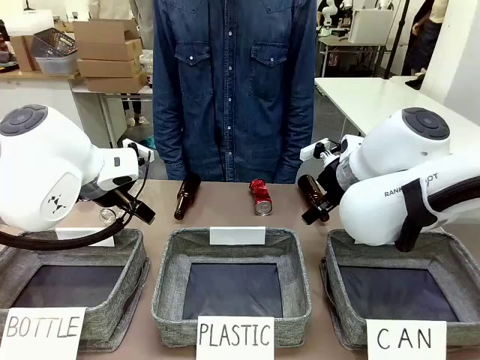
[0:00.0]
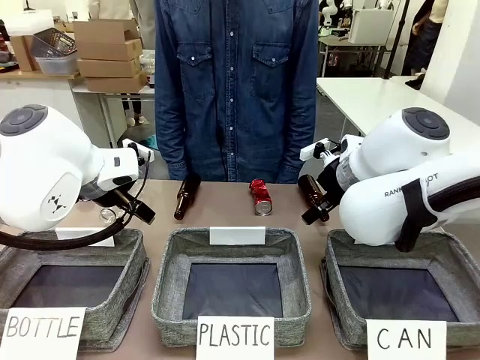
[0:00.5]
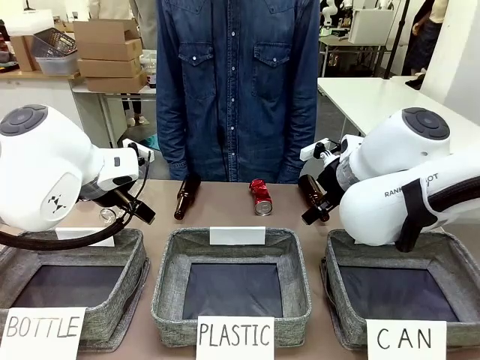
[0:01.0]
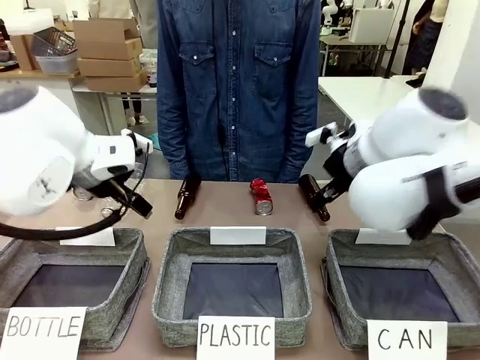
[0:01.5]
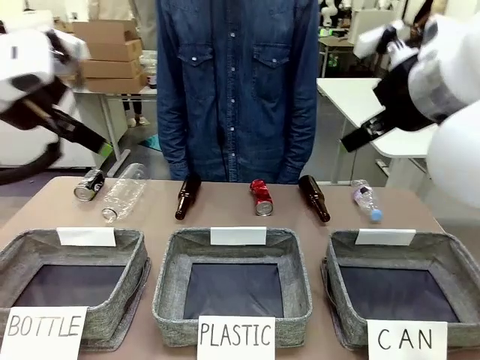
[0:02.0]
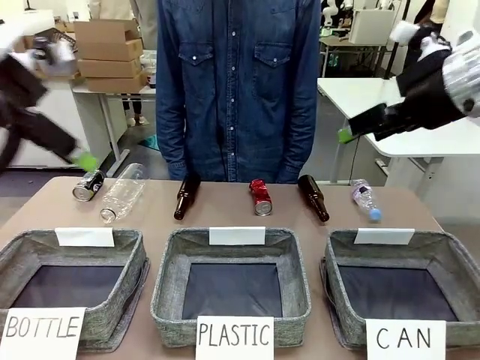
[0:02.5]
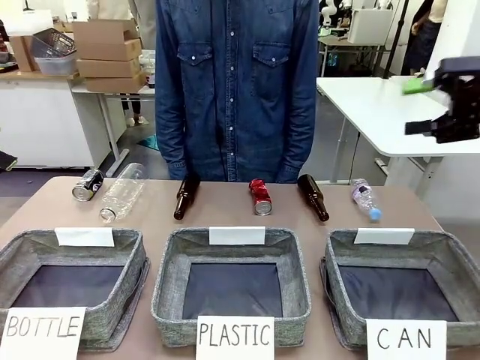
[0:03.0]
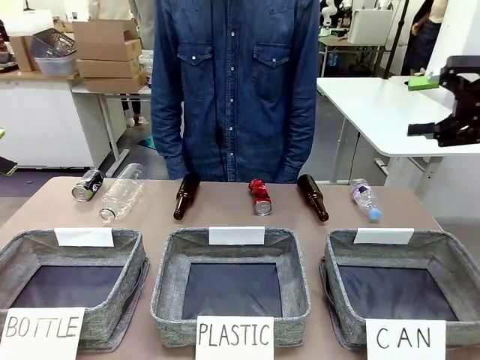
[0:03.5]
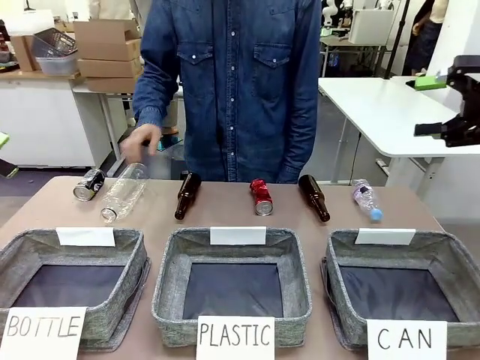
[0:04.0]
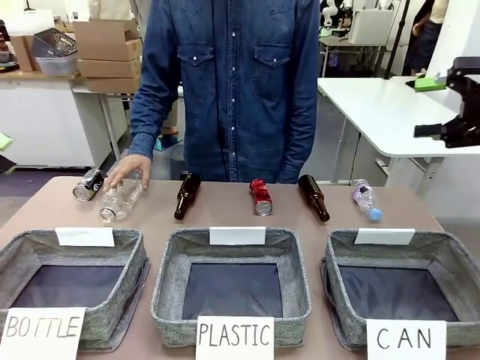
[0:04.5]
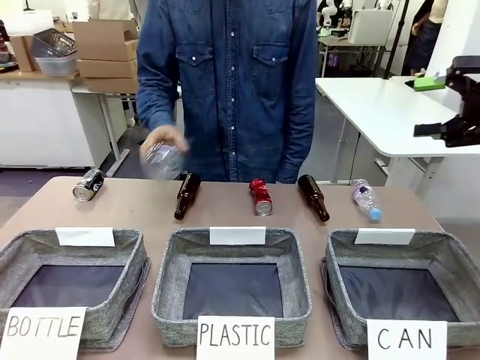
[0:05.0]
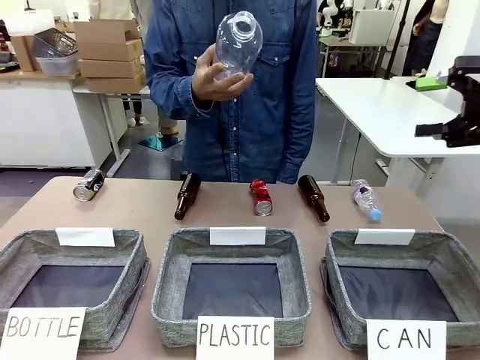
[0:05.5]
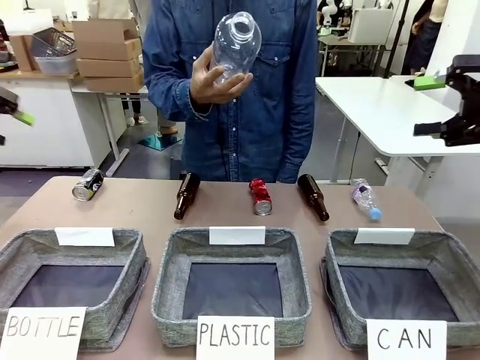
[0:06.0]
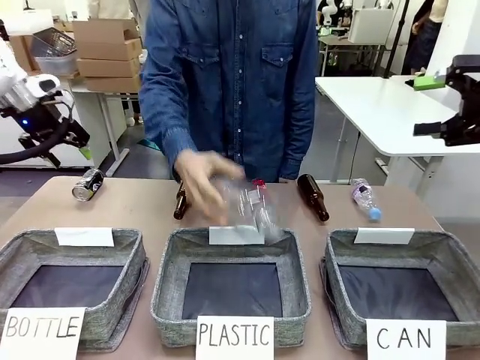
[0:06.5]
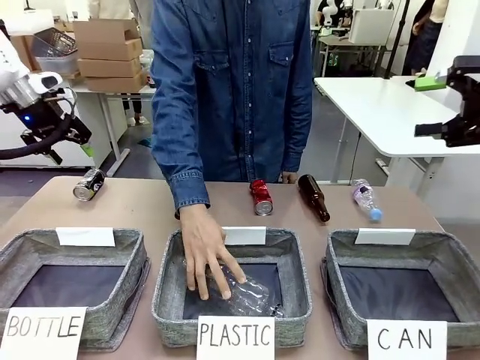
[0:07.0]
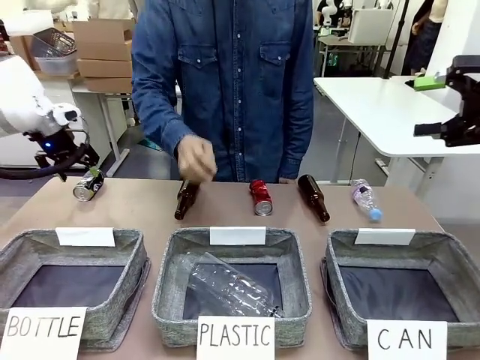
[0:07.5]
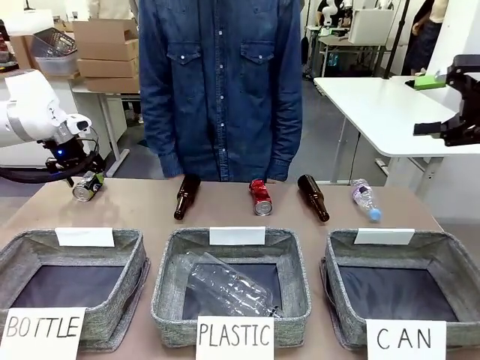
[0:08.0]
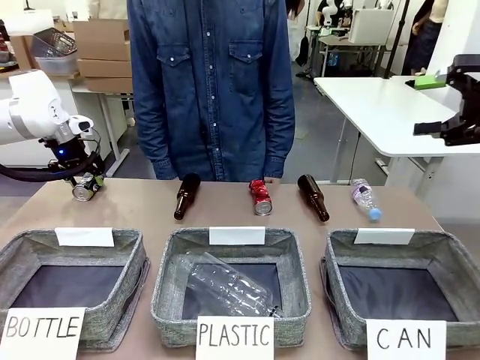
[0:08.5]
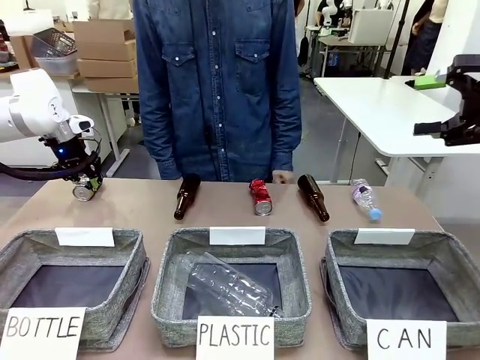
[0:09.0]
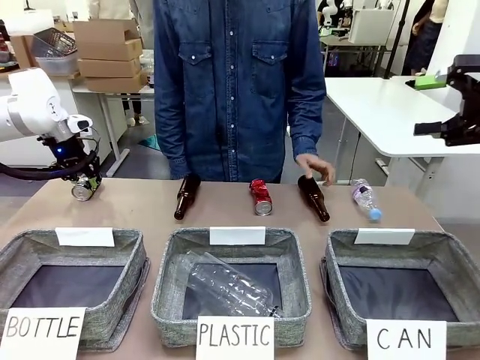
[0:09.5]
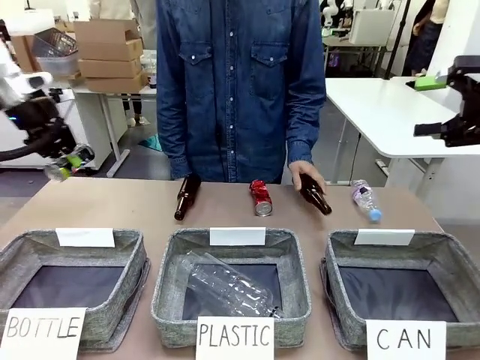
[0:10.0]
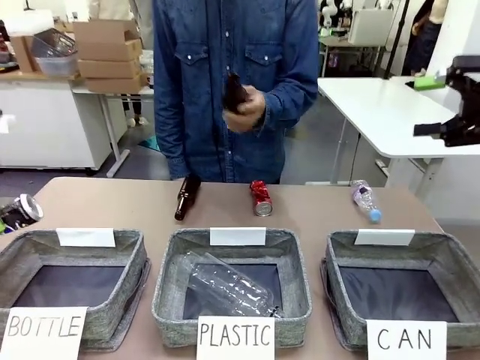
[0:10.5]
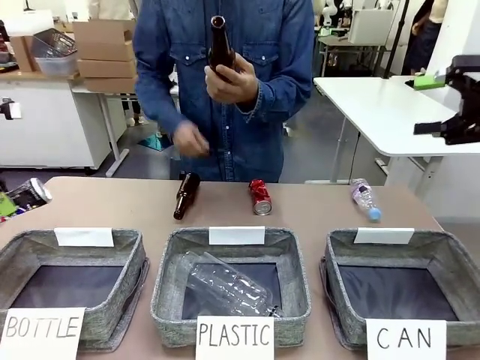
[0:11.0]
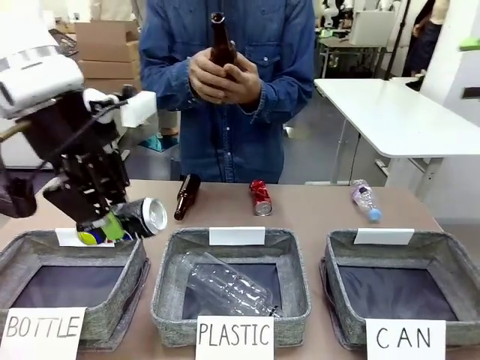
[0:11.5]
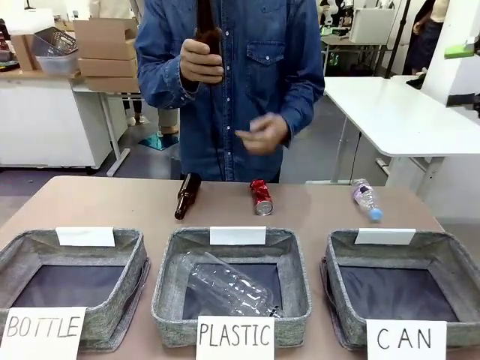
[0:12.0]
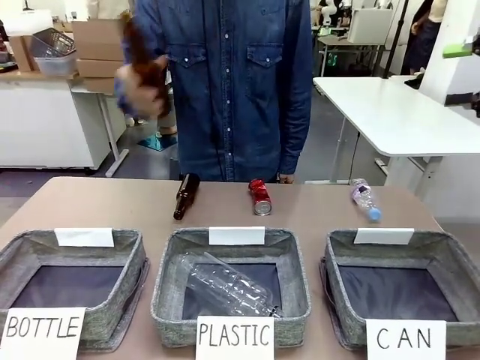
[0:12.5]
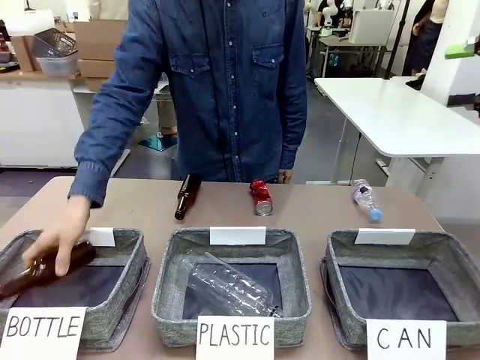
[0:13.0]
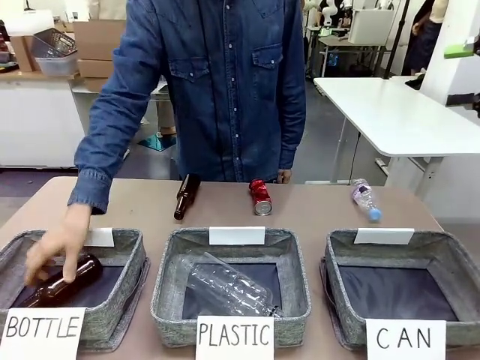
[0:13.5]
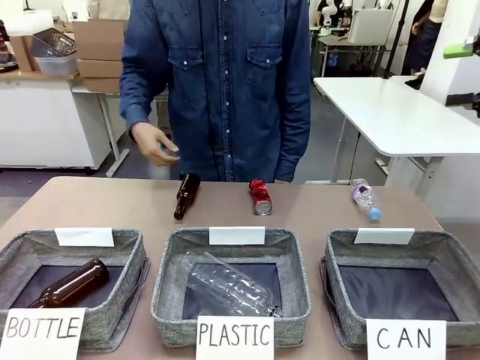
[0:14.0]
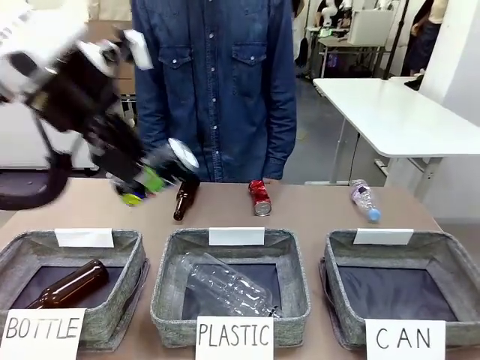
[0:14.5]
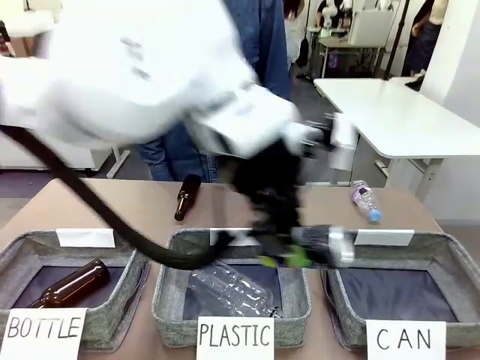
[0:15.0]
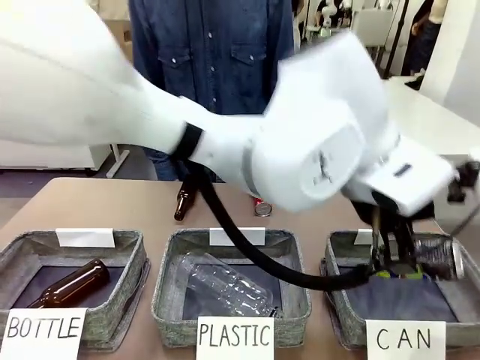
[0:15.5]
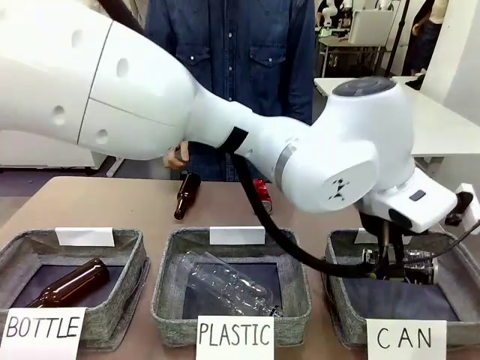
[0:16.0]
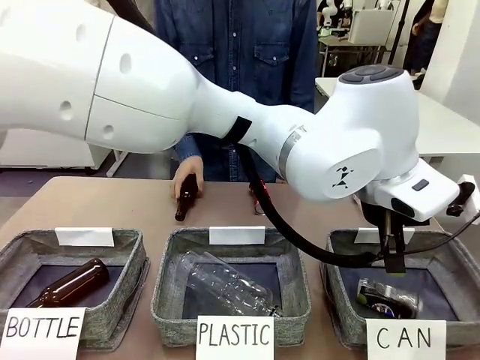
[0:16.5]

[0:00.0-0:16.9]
Task: Sort the can waste into the basket.
Robot: Pick up the can waste from the table and place it in the right Fabric basket.
